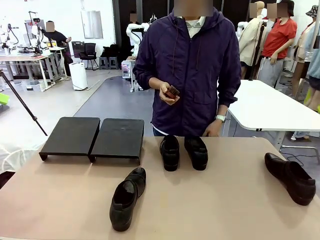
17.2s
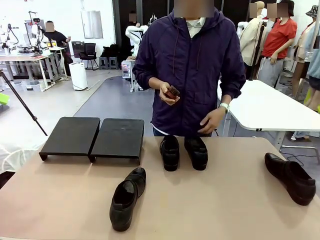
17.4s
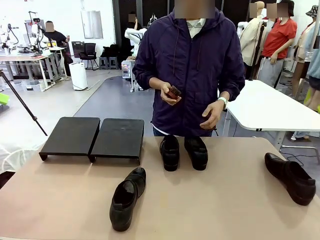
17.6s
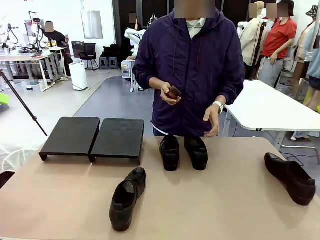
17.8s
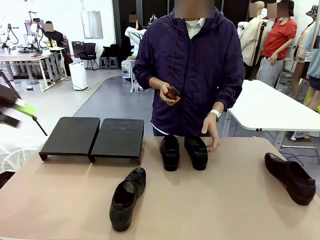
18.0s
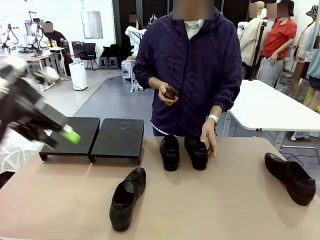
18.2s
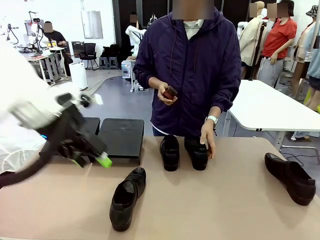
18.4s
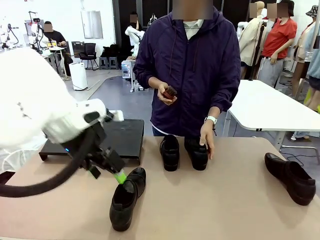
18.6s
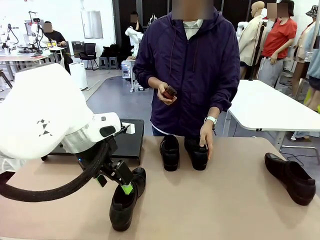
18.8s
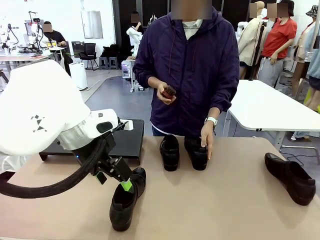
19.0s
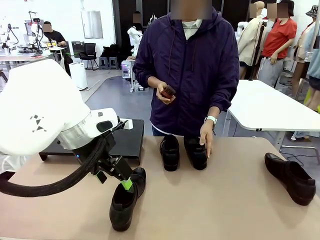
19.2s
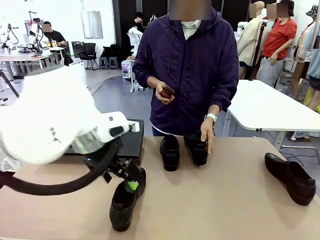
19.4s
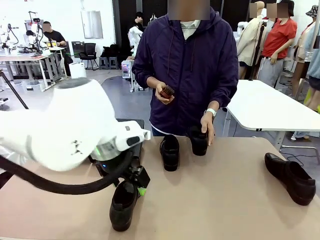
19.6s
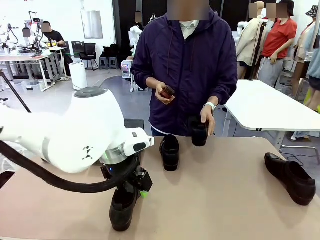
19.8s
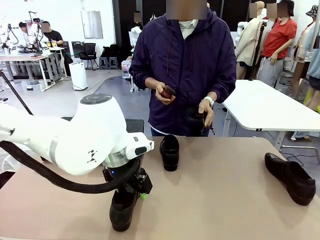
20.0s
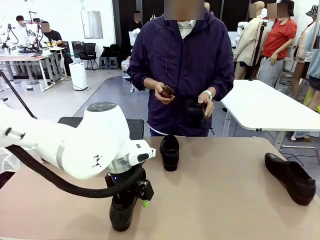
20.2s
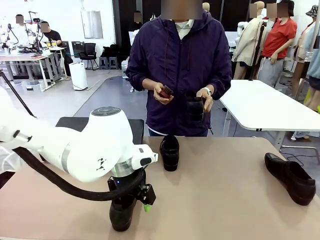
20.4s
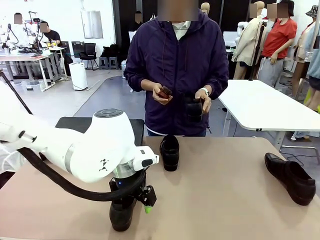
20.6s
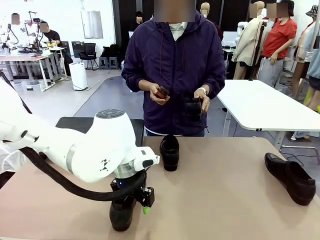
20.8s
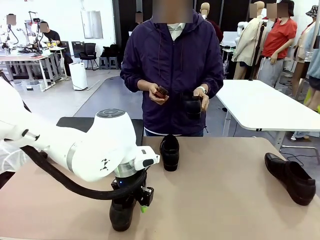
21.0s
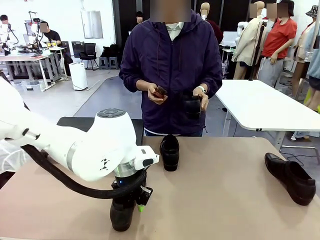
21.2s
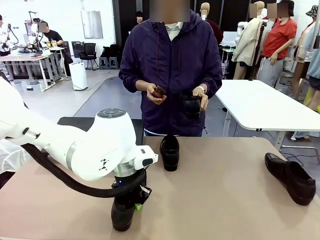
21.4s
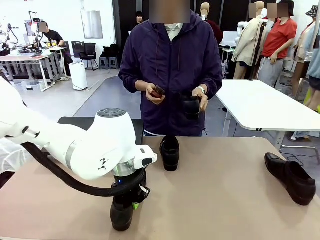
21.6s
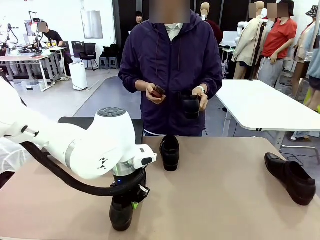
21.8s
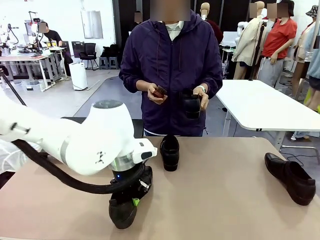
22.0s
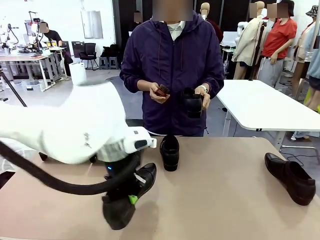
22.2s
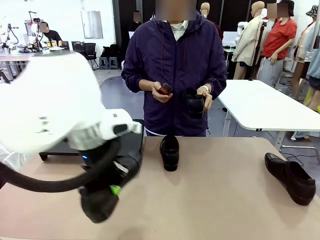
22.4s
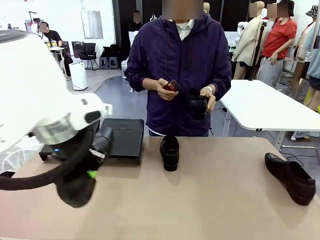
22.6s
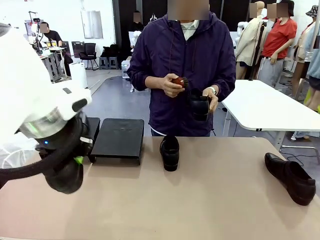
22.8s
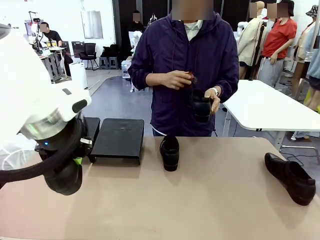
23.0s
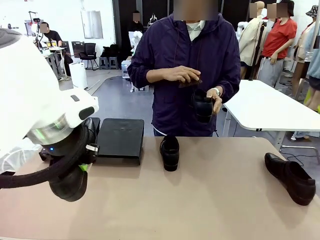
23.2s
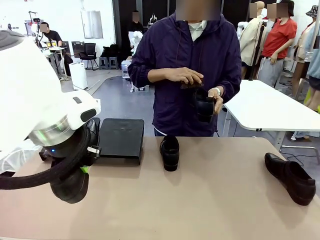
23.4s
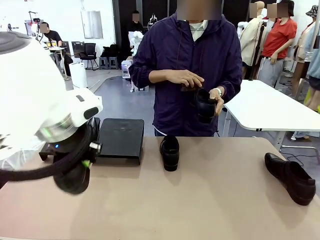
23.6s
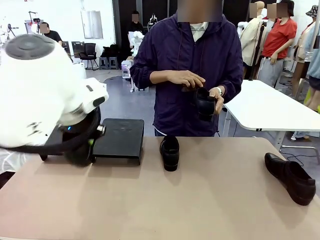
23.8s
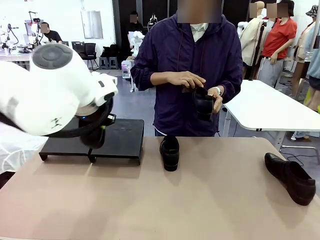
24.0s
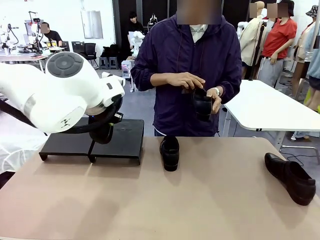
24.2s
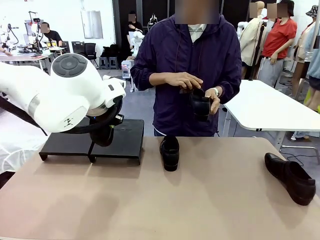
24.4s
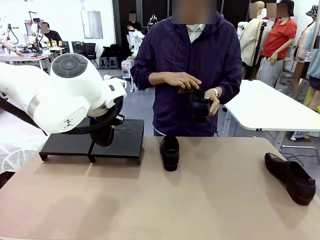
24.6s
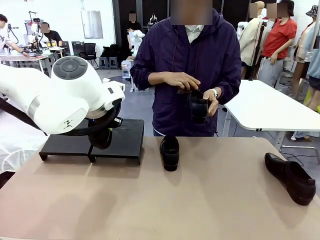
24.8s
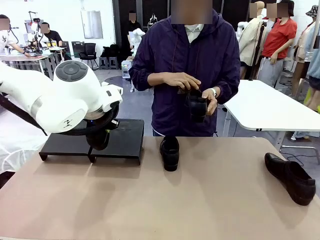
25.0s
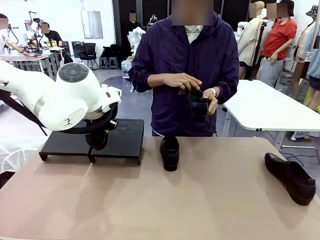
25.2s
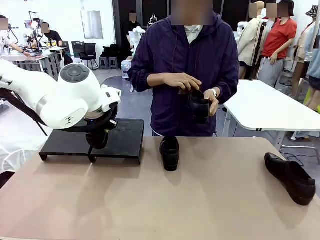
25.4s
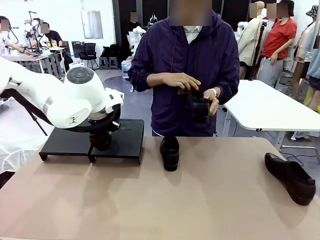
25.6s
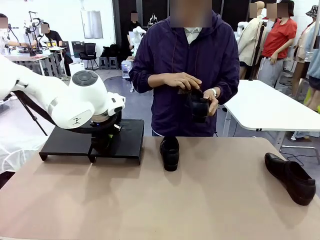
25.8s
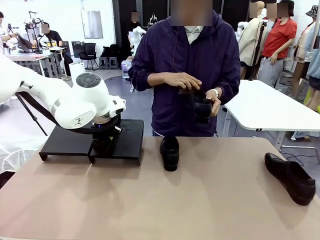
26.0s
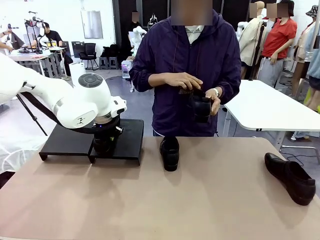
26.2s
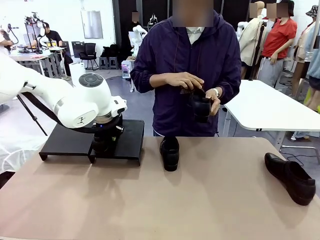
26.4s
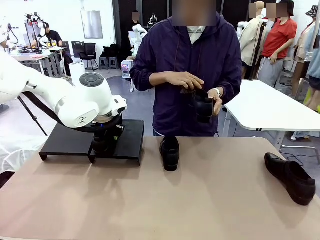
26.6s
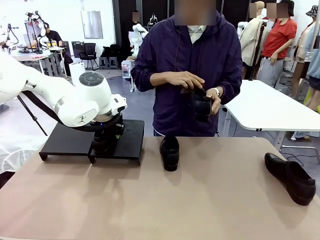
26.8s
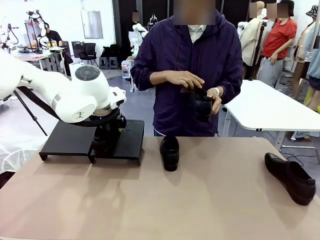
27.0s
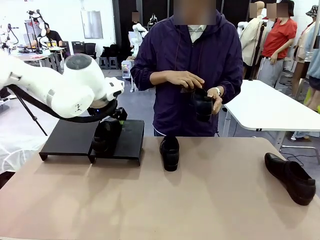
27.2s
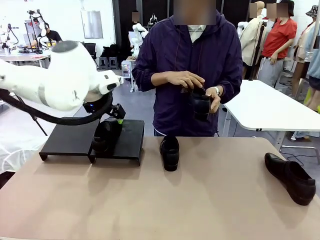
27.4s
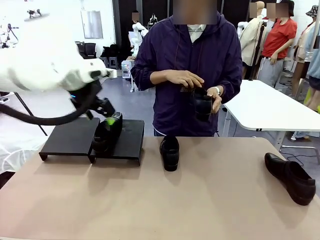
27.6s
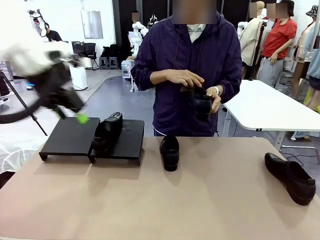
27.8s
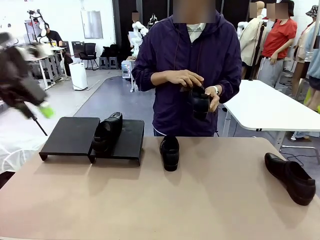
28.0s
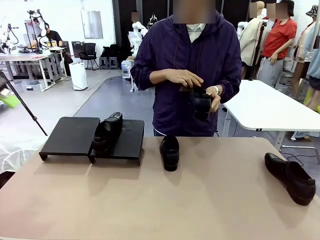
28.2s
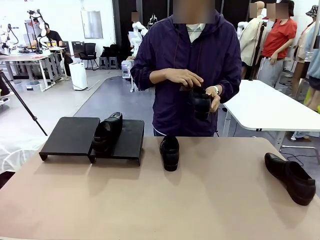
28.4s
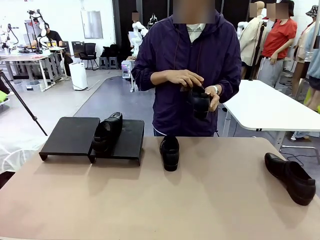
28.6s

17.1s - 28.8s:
Task: Organize the shoes by placing them on the stand.
Robot: Place the Shoe from the middle of the table onto the Shoes Stand.
Person: Pick one Shoe on Robot's table. Clean the Shoe with the Shoe Brush.

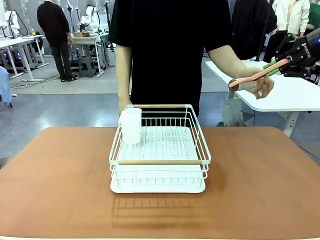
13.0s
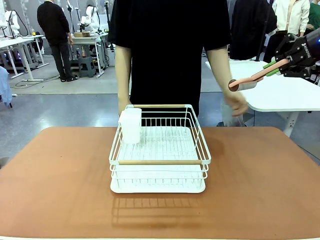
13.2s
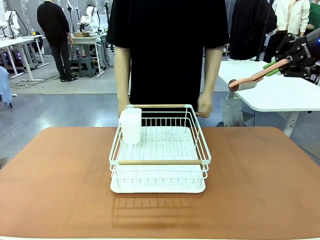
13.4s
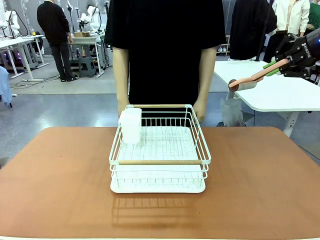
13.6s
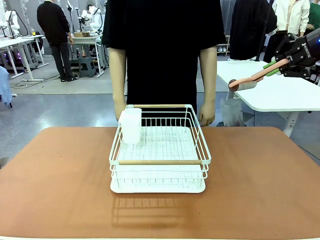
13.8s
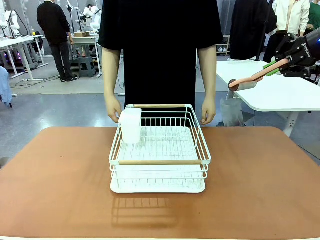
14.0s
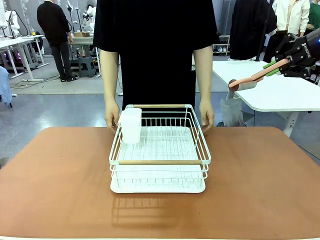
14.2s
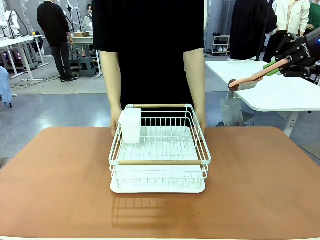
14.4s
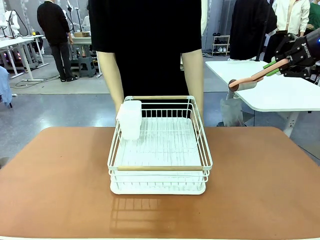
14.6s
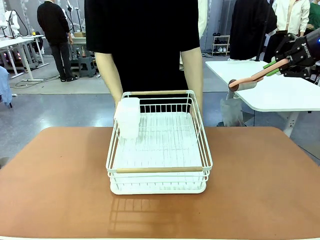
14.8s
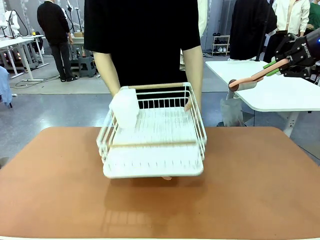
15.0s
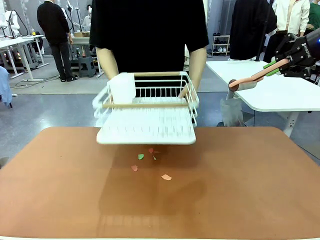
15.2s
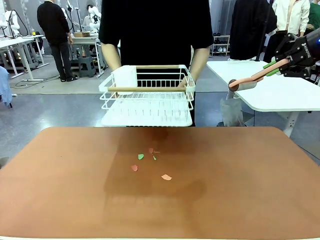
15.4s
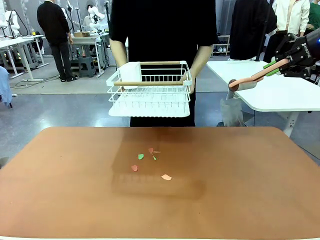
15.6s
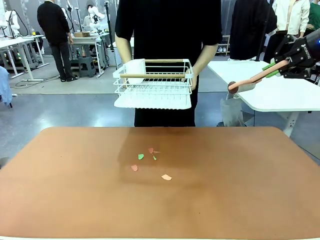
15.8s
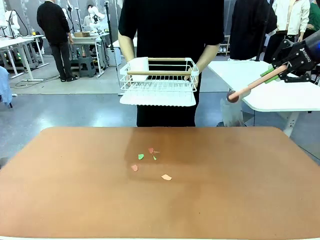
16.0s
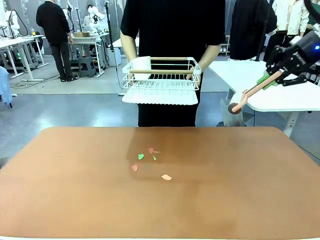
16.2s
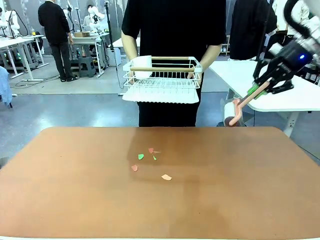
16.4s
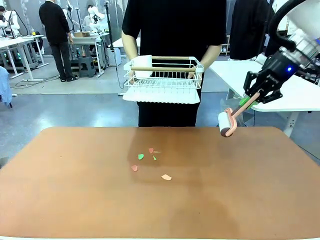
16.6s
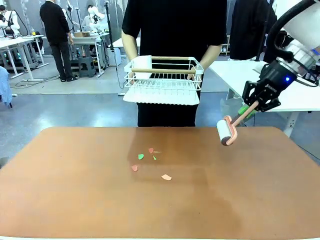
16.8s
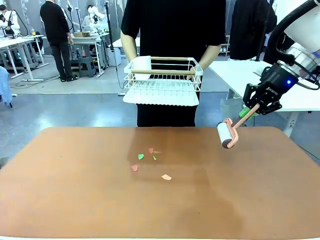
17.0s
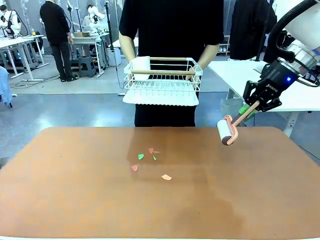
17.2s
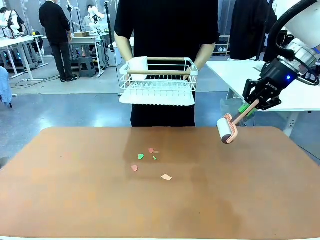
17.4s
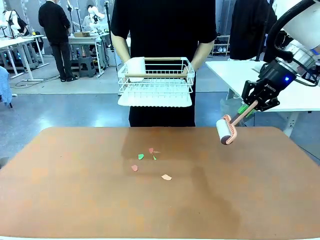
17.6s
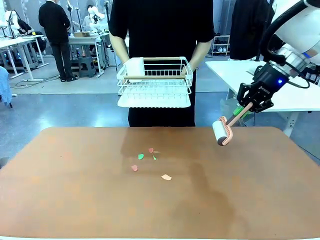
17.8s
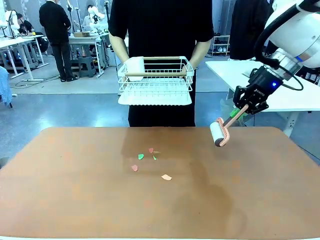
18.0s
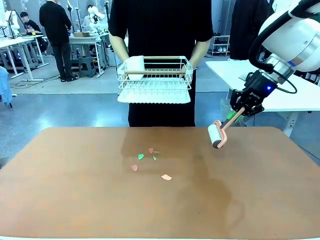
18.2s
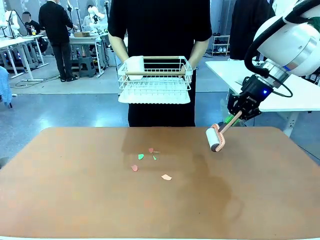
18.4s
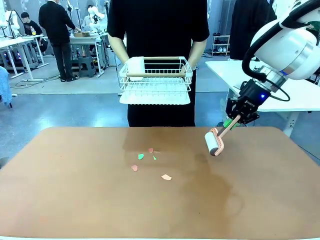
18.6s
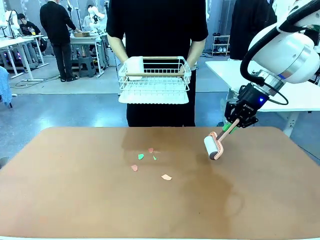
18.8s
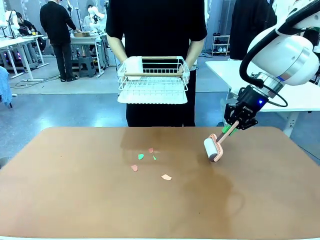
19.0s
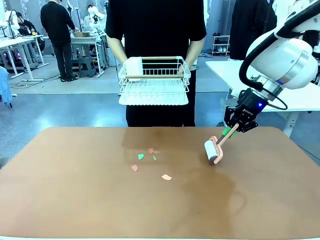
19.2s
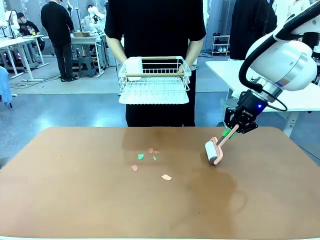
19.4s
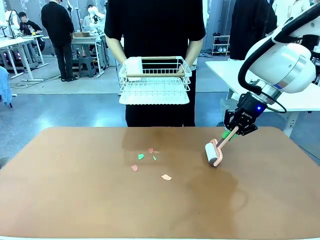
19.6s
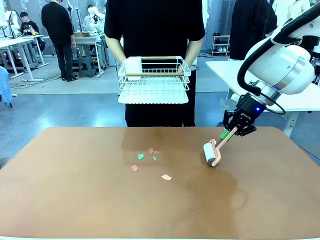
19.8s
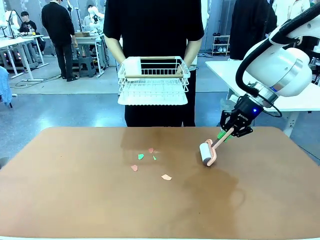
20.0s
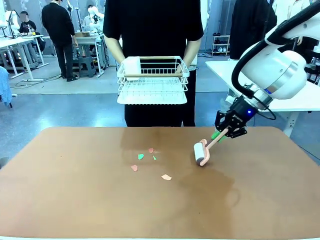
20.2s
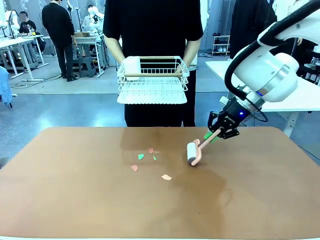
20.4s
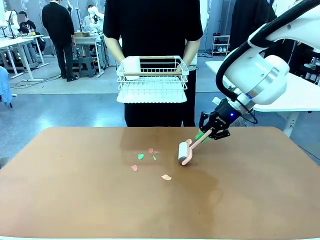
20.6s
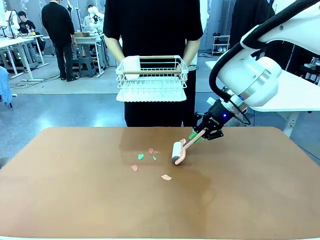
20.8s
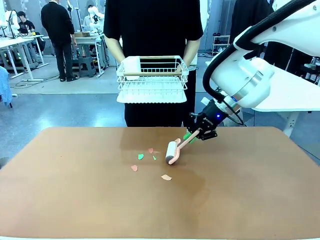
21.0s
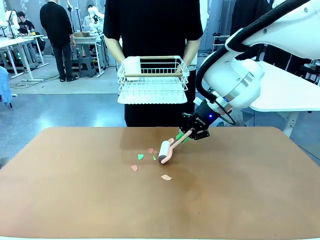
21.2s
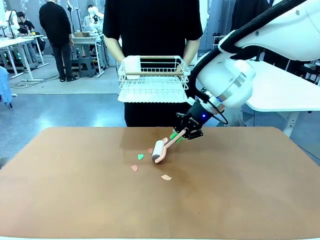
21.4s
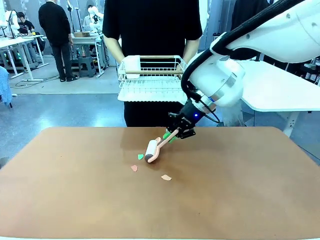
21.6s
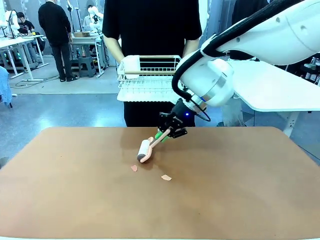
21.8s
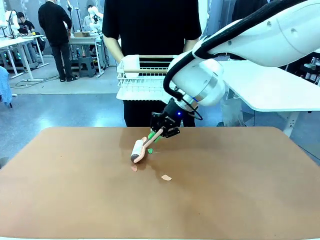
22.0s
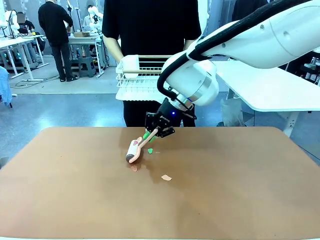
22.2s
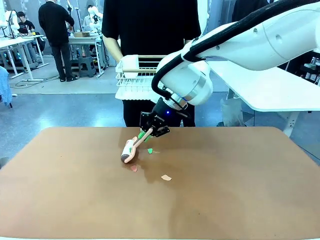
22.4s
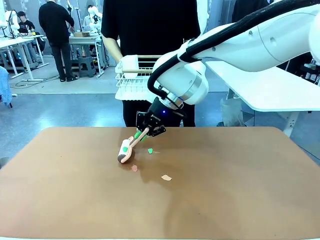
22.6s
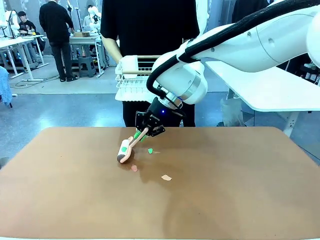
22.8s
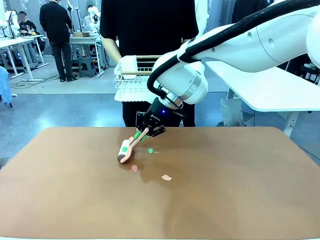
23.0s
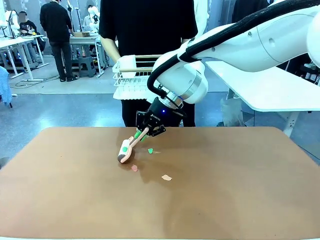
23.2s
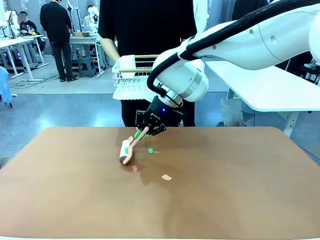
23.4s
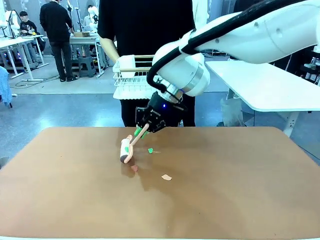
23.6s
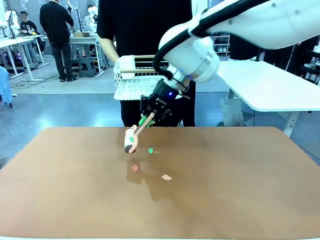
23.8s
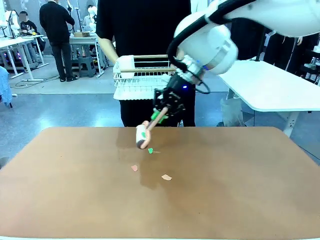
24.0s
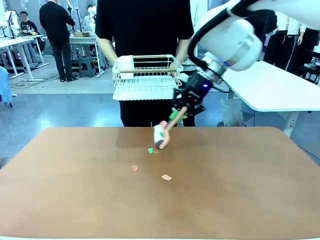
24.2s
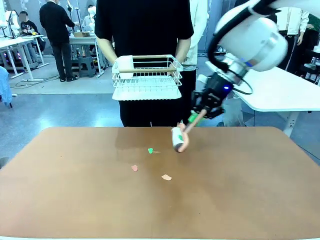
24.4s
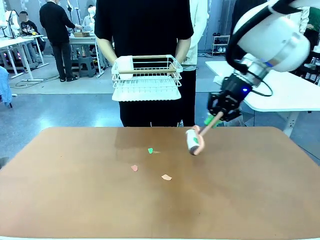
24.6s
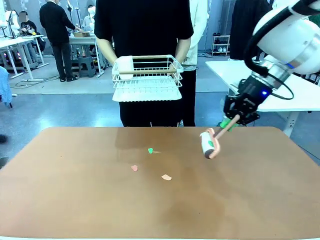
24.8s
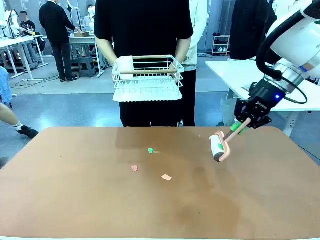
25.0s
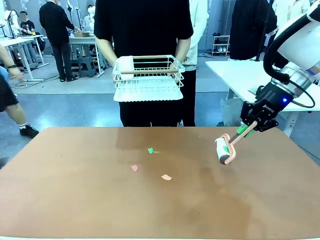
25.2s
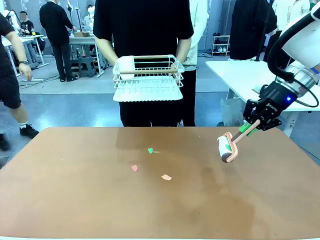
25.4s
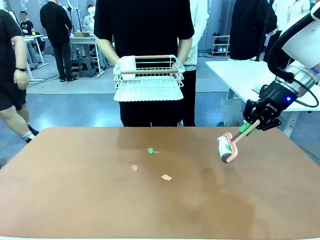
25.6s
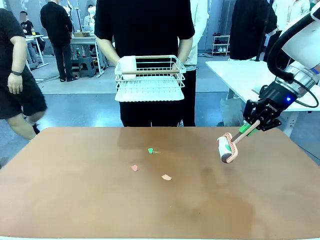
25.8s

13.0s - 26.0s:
Task: Clean the table.
Robot: Clean the table with the Lint Roller when the human lifts the Dish drying rack.
